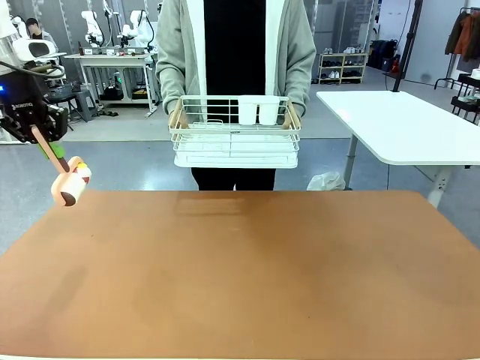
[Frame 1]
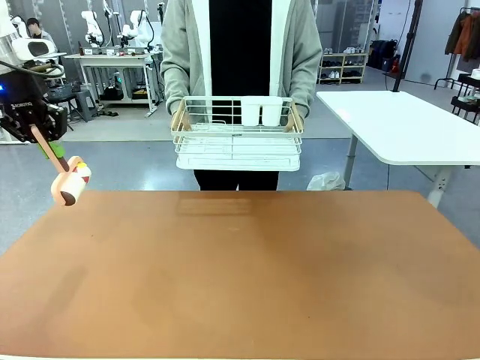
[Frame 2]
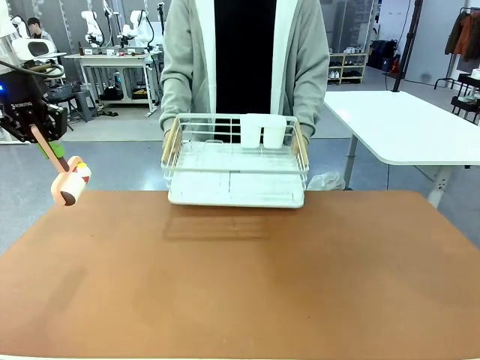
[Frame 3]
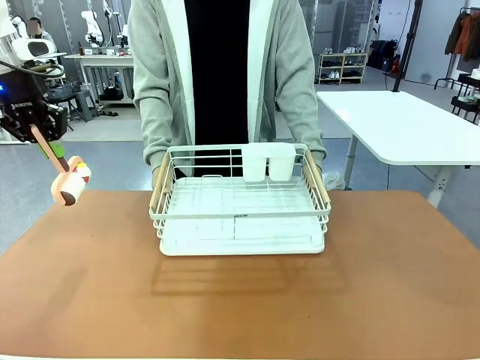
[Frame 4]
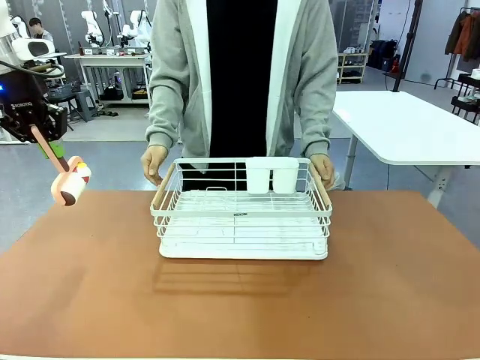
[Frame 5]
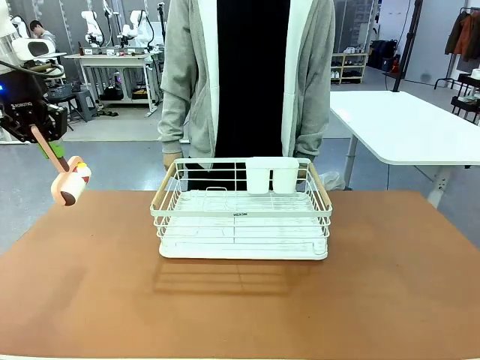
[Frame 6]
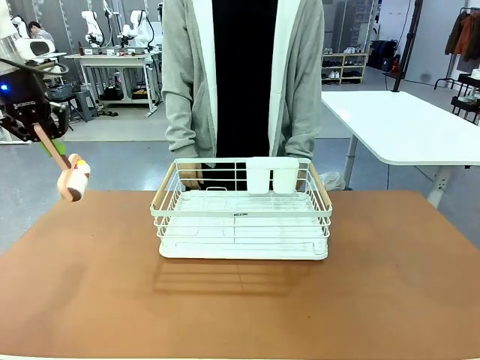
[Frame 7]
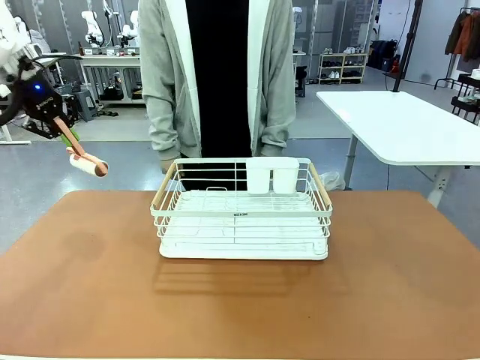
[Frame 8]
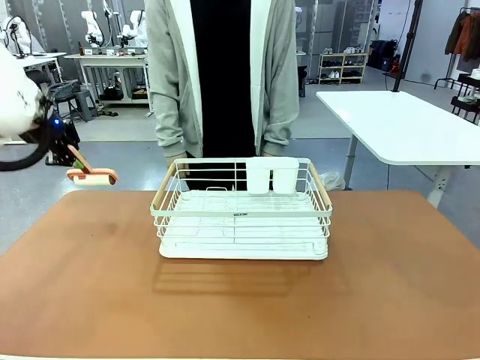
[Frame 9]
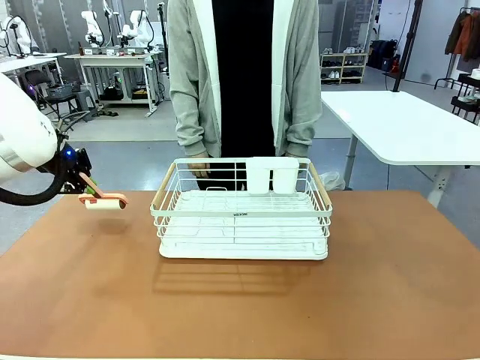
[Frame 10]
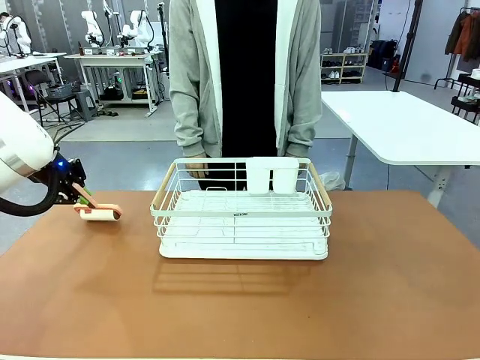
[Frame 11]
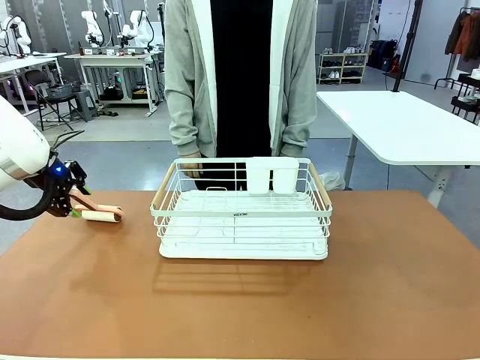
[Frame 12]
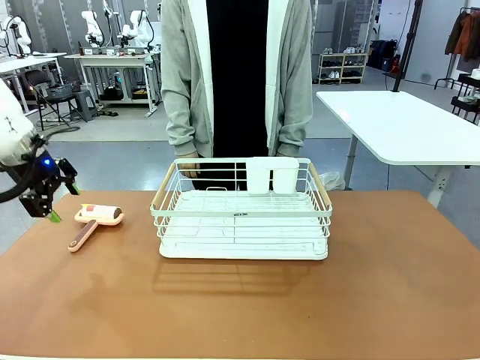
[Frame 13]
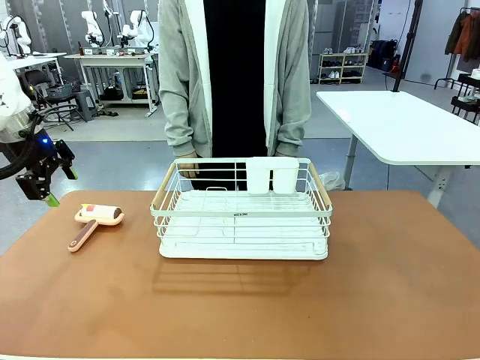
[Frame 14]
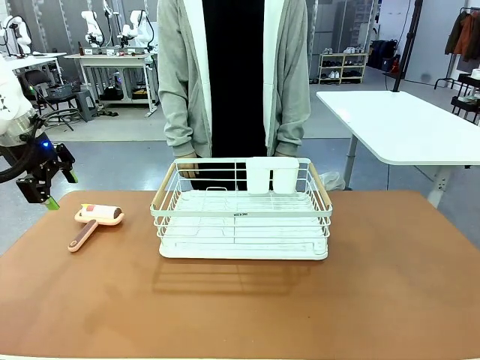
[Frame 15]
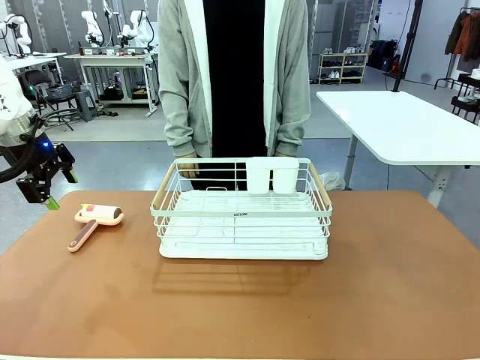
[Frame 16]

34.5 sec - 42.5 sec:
Task: Clean the table.
Robot: Place the Lint Roller down when the Dish drying rack is positioned in the middle of the table.

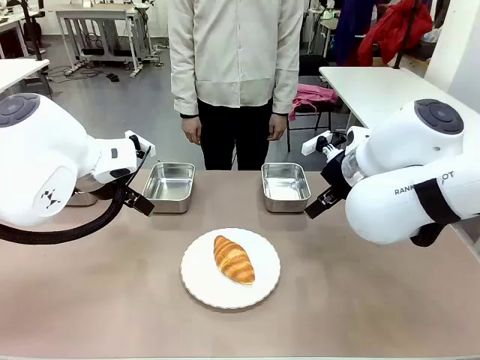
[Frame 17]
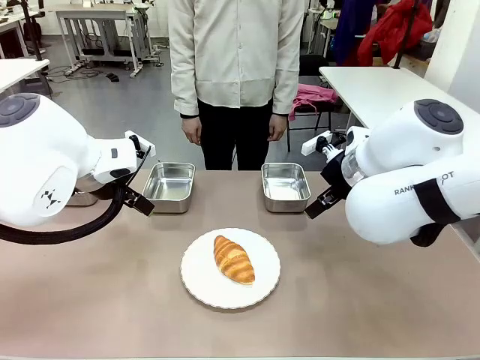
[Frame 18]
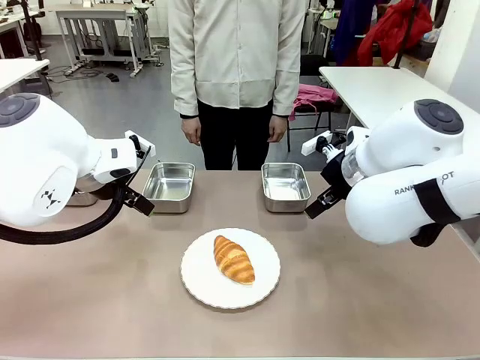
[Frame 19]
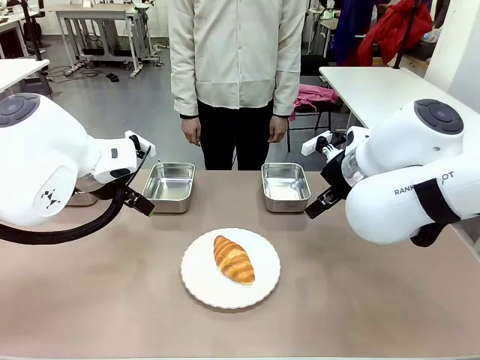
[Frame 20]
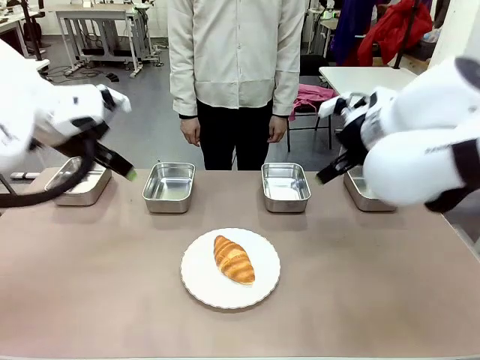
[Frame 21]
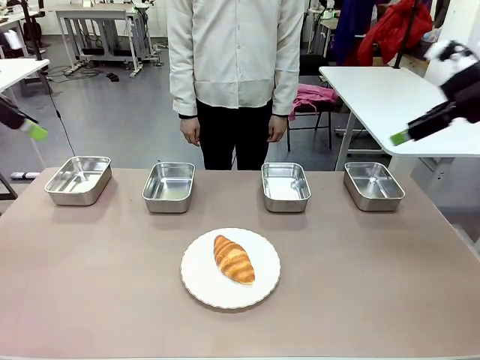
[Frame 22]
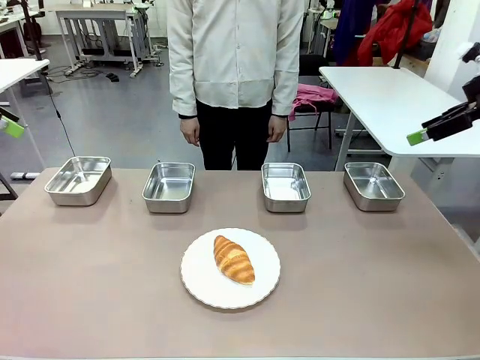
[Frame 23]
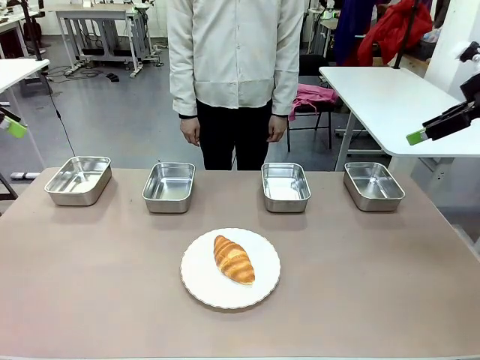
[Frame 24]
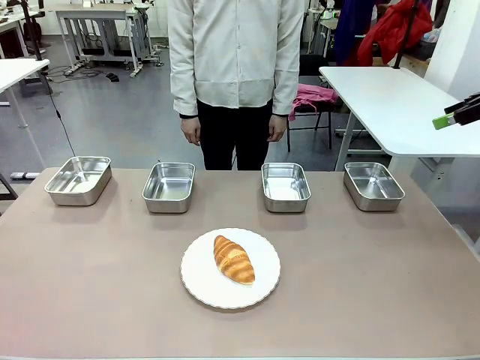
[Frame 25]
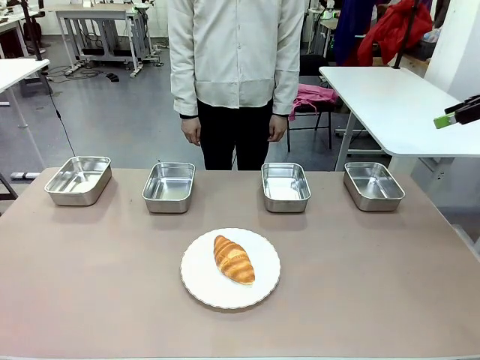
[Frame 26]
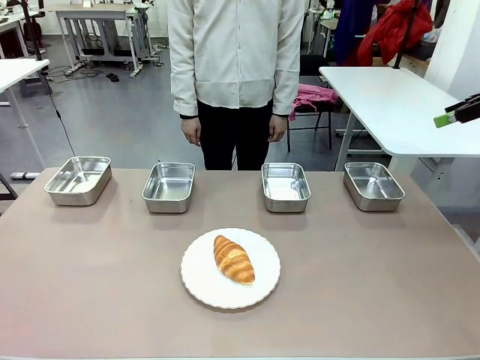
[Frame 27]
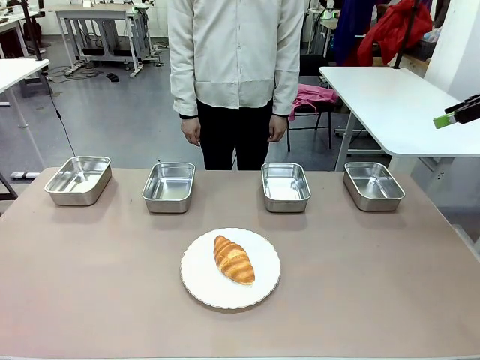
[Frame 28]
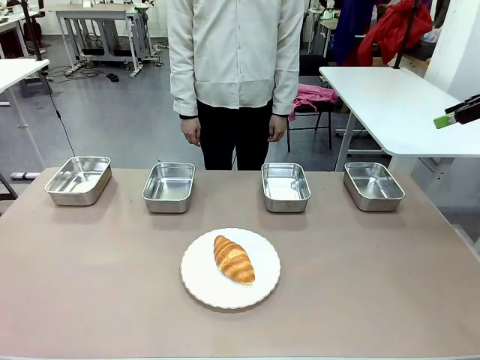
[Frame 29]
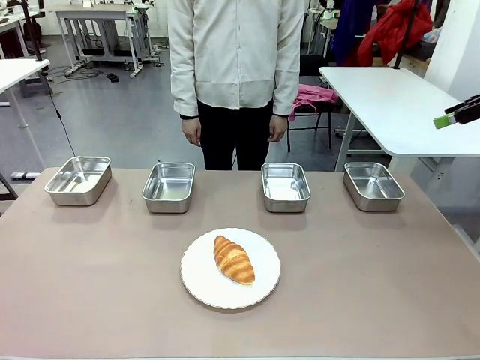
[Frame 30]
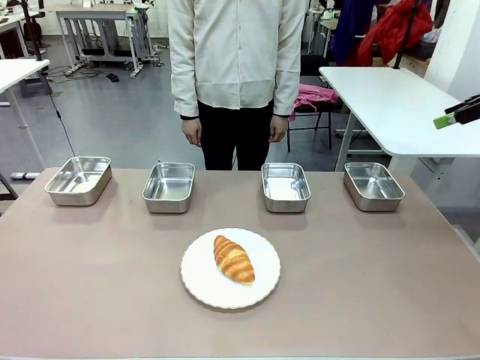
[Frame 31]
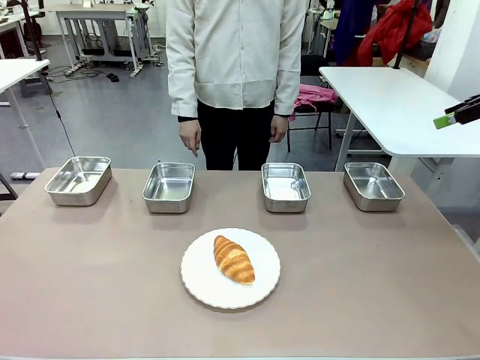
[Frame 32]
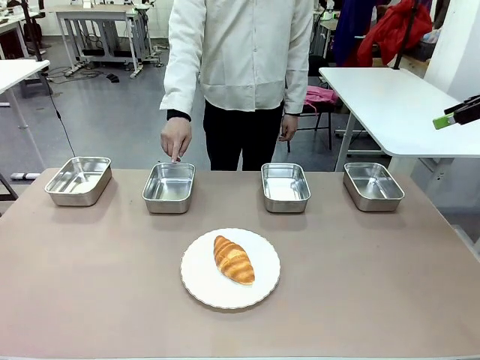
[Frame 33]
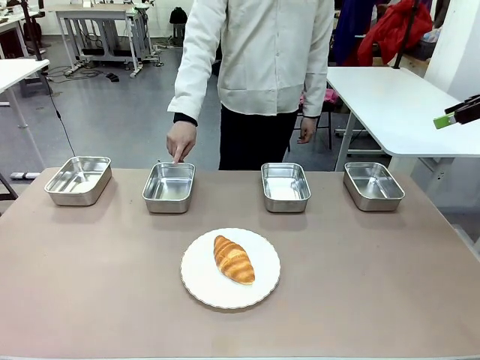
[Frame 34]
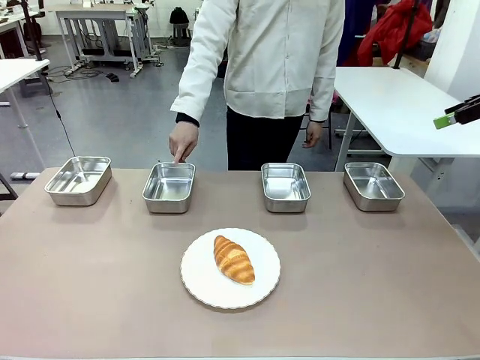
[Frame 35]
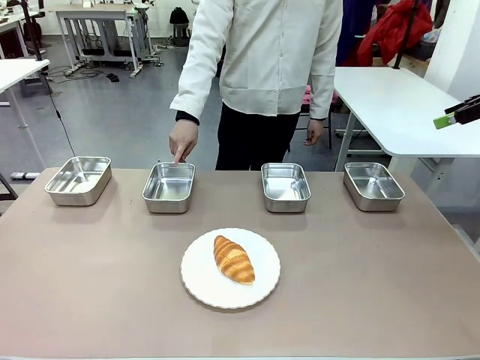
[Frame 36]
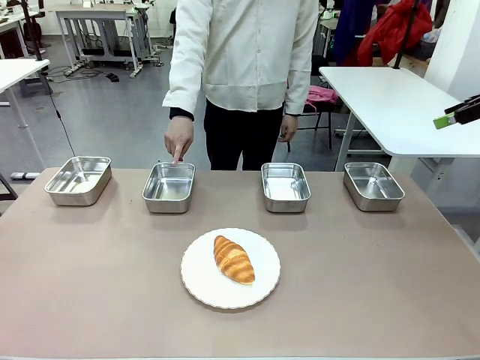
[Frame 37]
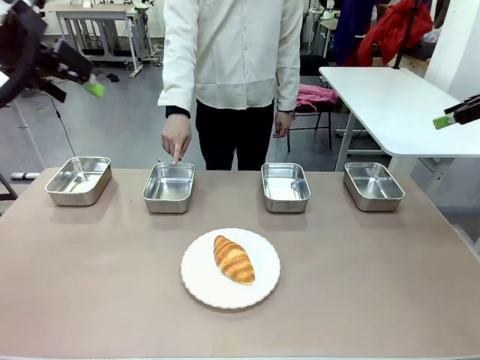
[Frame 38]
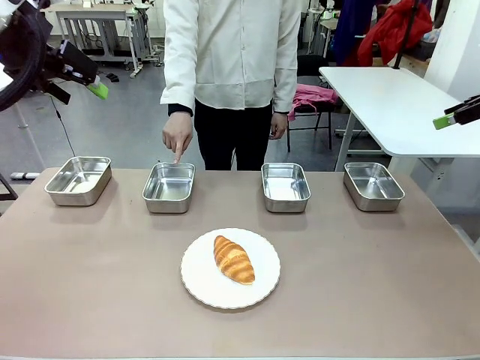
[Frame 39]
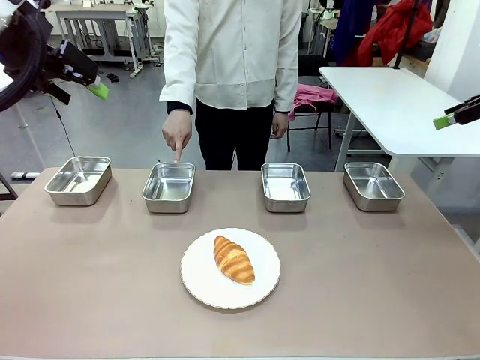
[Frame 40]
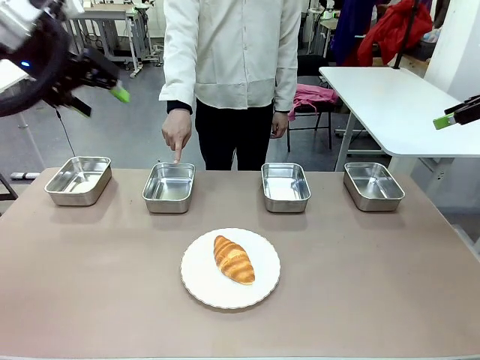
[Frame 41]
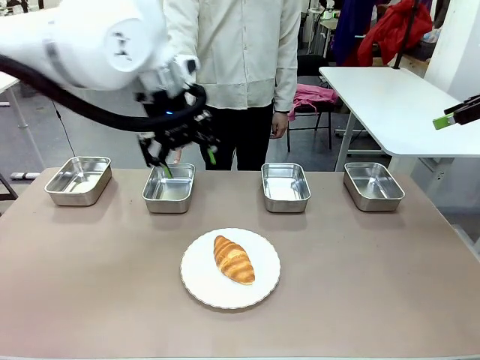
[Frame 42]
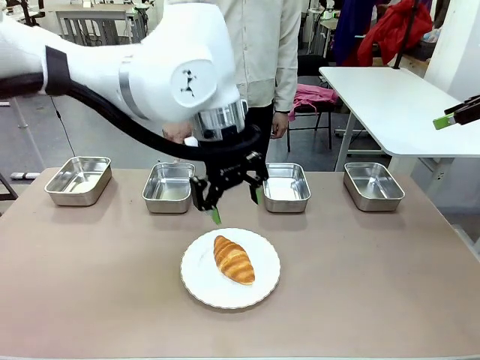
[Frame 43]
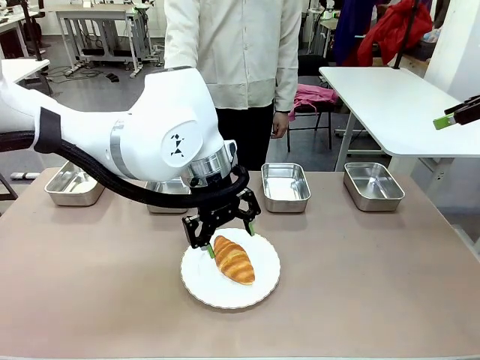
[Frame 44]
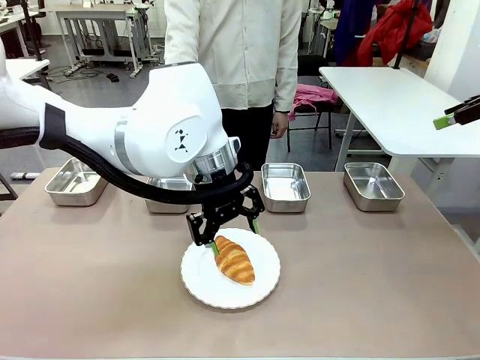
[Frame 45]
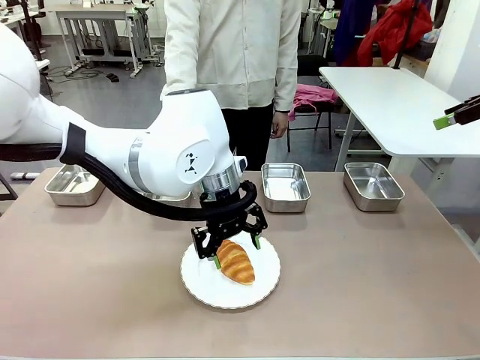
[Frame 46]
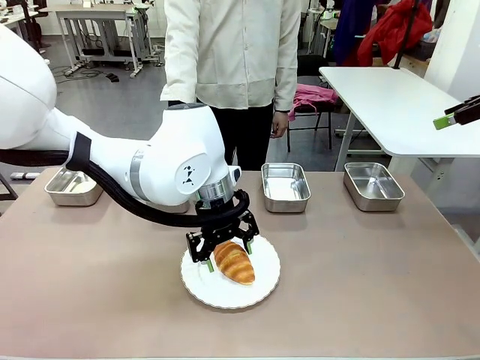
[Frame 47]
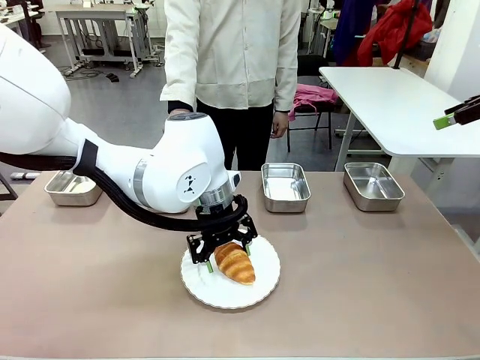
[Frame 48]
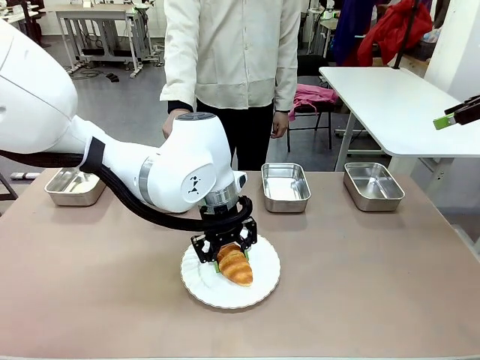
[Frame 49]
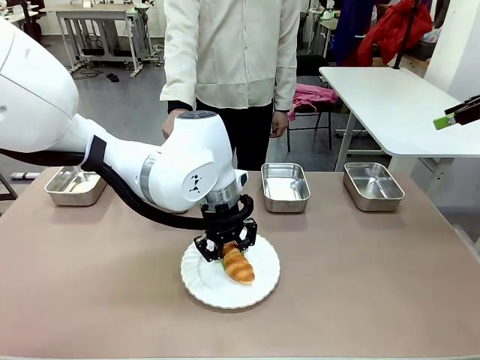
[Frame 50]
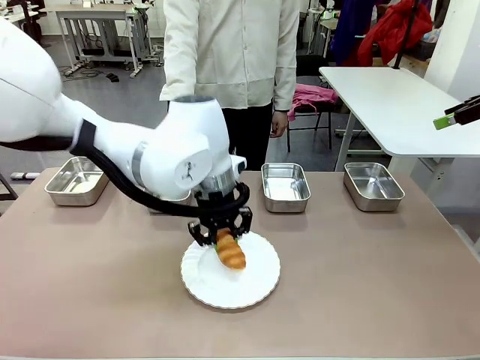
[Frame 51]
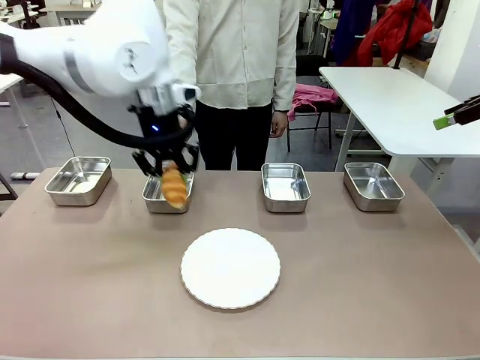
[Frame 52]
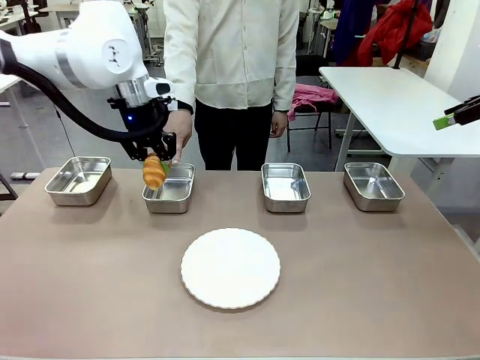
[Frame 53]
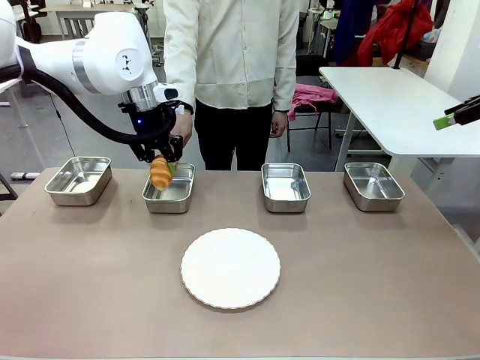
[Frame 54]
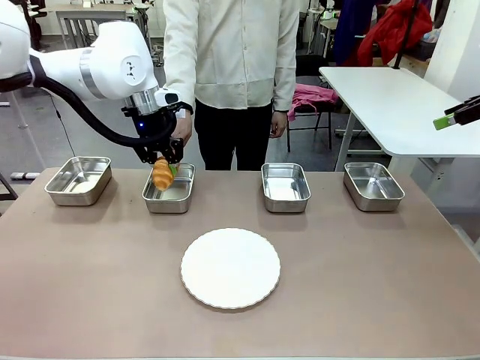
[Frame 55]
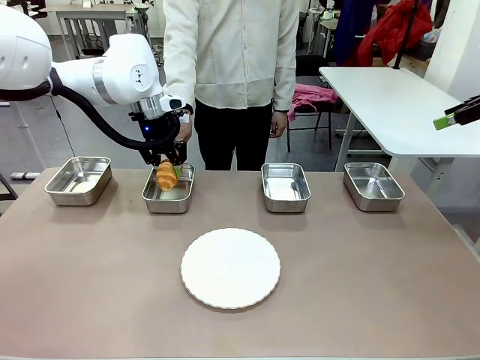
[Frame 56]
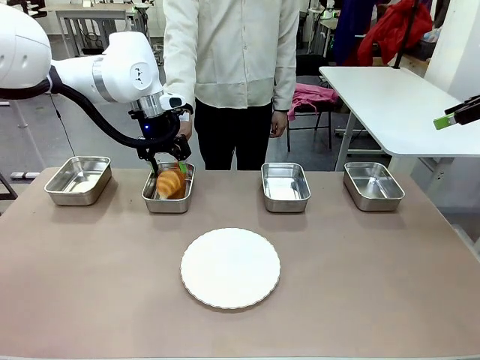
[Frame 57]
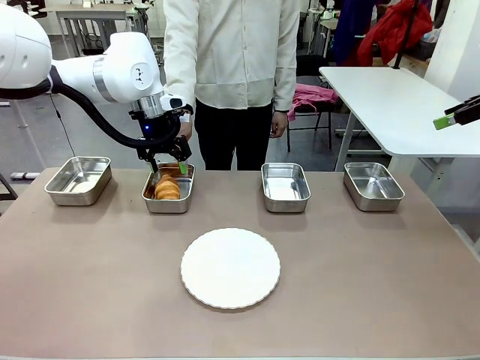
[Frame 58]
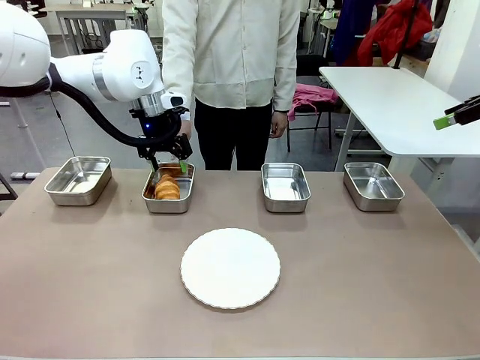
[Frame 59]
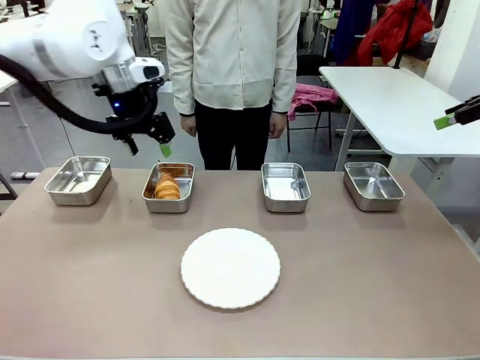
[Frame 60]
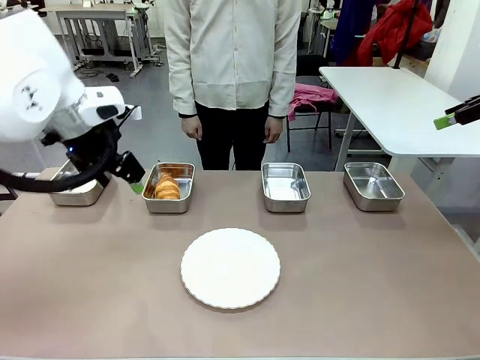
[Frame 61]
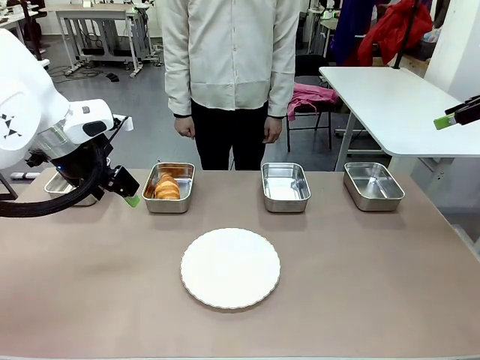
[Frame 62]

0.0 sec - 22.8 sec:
Task: Place the bread in the container.
Robot: Place the Butter Roll into the Airtight Container indicated by the human.
Person: A person randomly selects and points to an Airtight Container.
